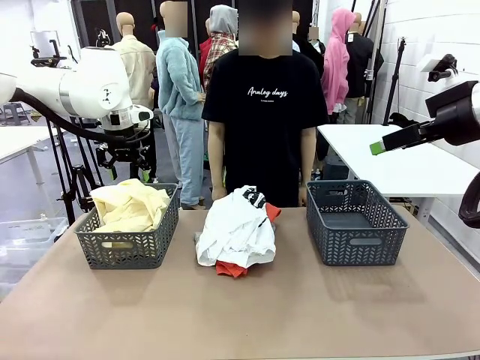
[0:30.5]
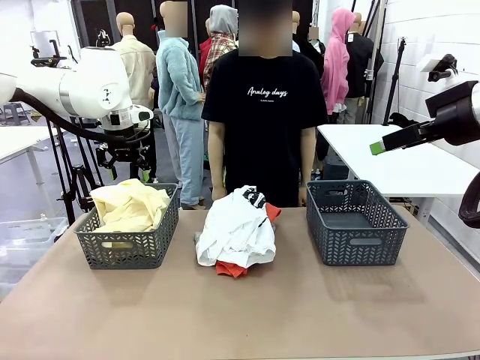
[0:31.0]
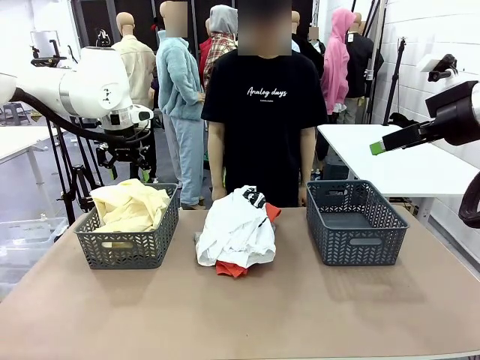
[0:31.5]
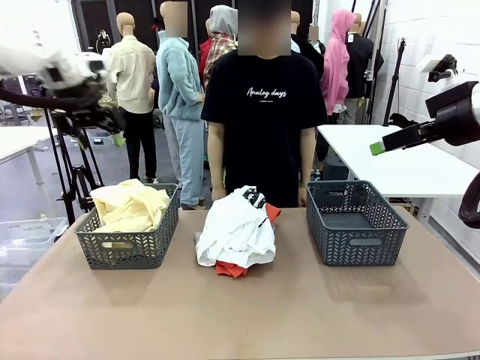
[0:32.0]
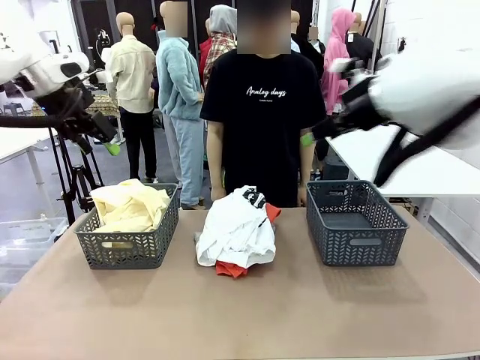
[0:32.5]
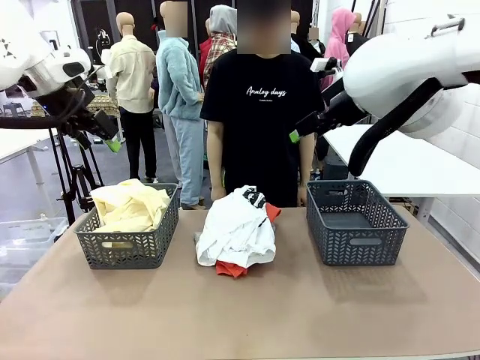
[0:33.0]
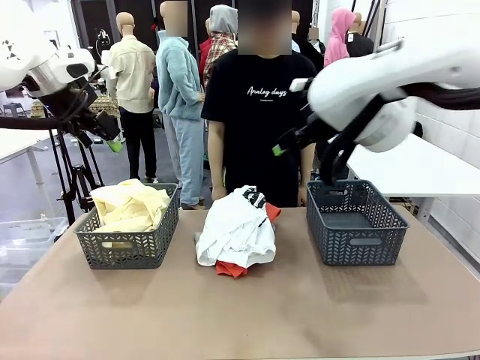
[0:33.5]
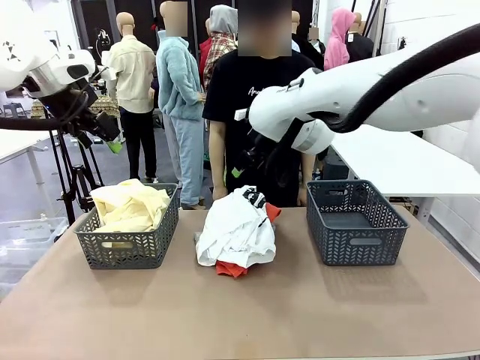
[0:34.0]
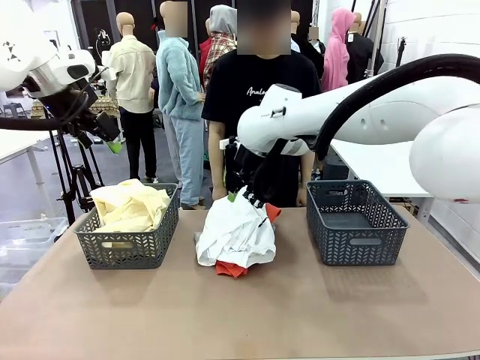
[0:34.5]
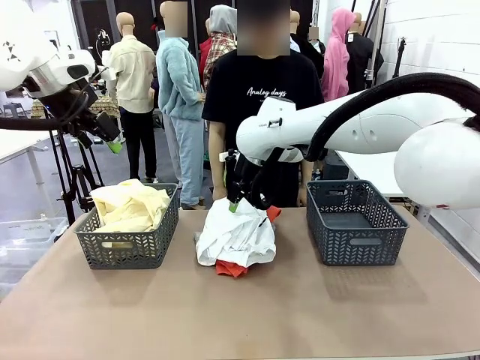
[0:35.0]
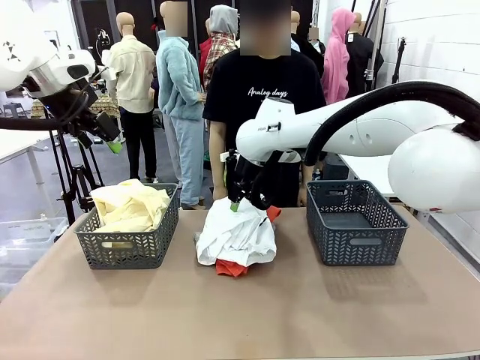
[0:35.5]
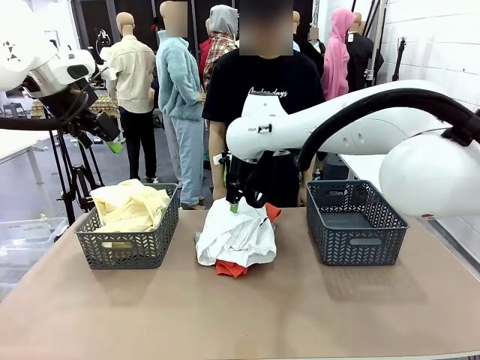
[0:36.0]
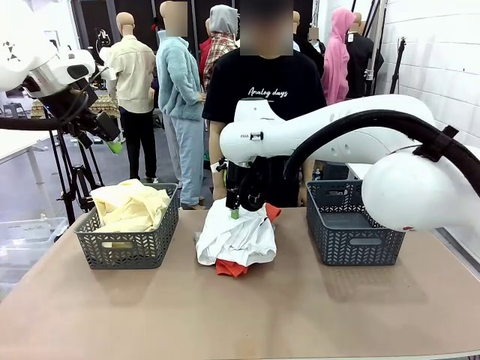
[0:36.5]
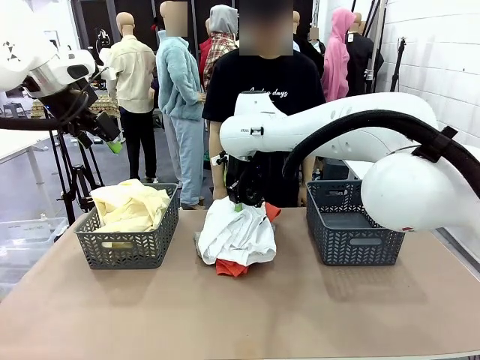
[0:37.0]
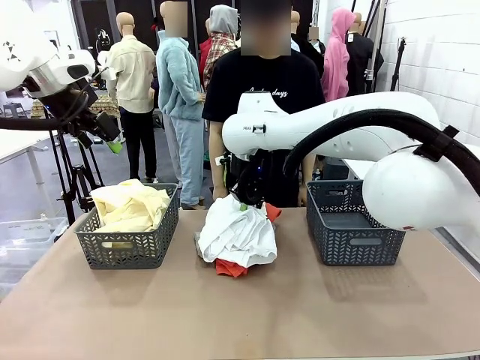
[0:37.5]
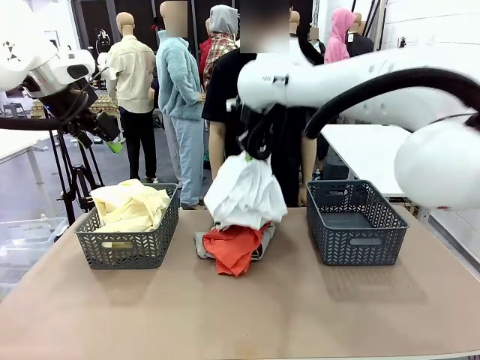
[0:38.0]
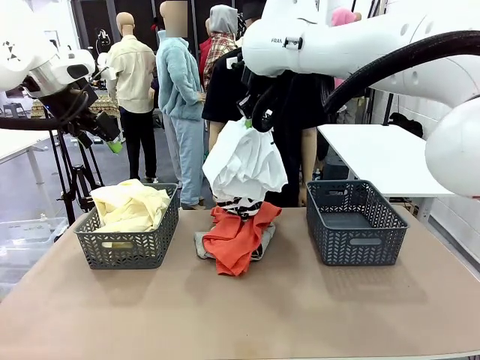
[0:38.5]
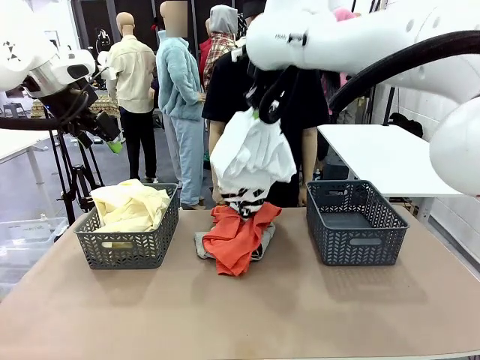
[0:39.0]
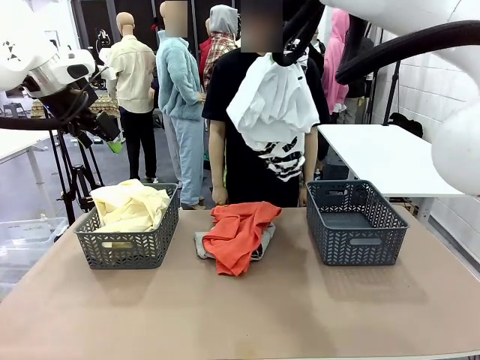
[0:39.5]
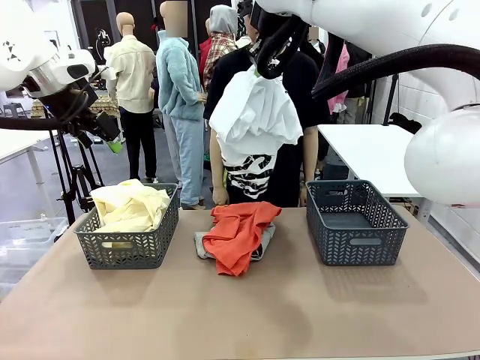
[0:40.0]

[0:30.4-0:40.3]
Task: Sort the tops and bottoms.
Robot: Lift clothes from the center of the table with your right hand.

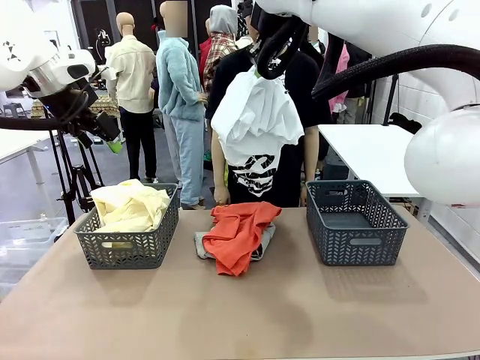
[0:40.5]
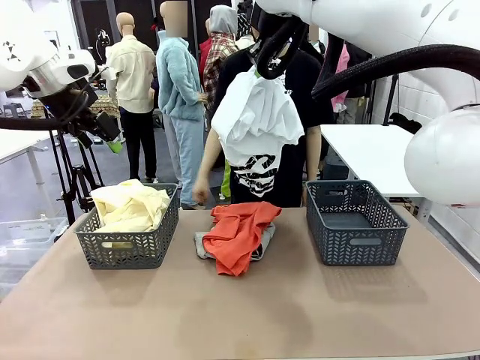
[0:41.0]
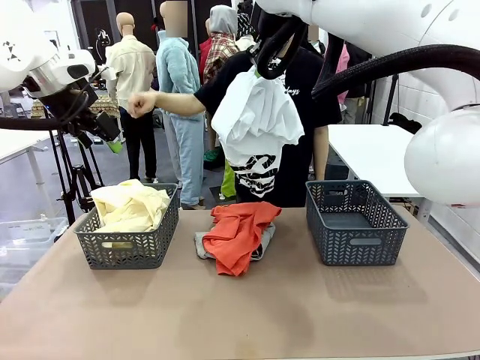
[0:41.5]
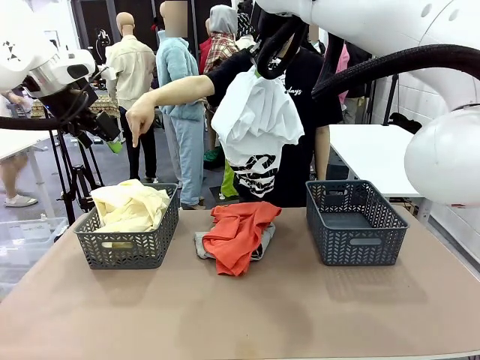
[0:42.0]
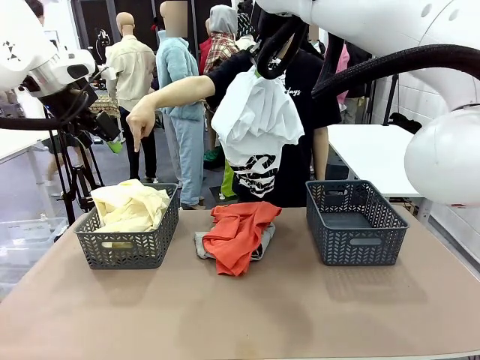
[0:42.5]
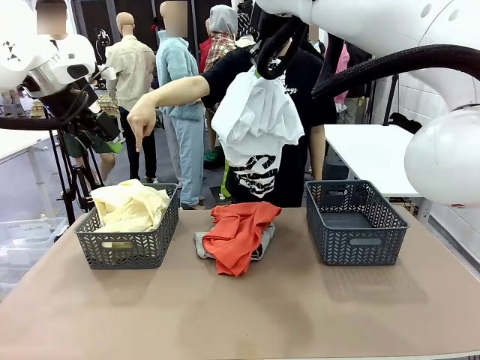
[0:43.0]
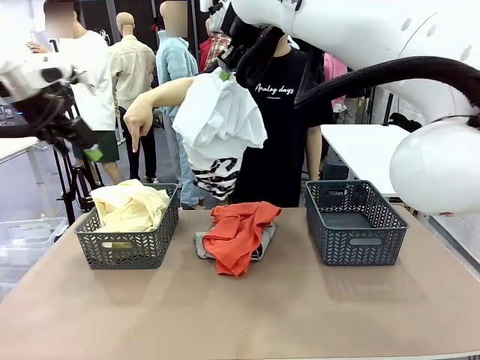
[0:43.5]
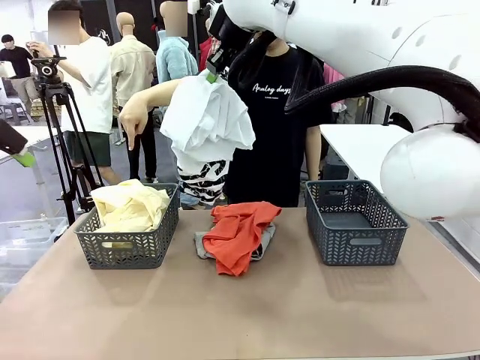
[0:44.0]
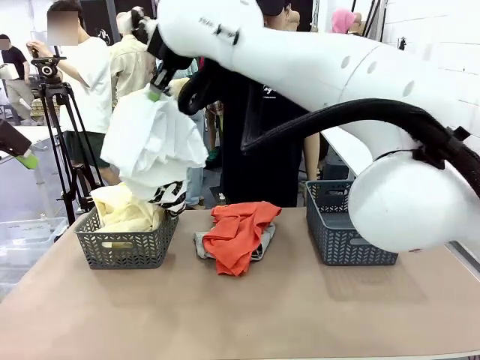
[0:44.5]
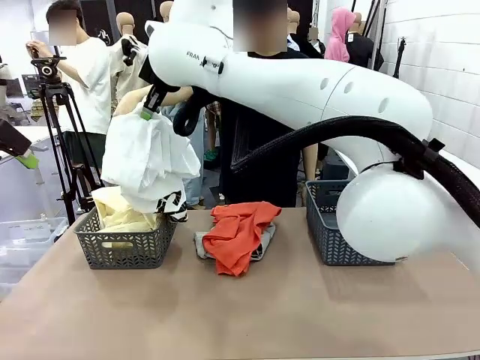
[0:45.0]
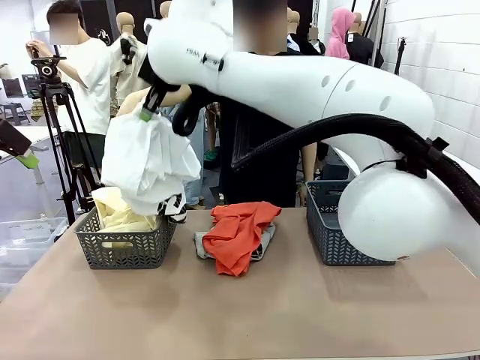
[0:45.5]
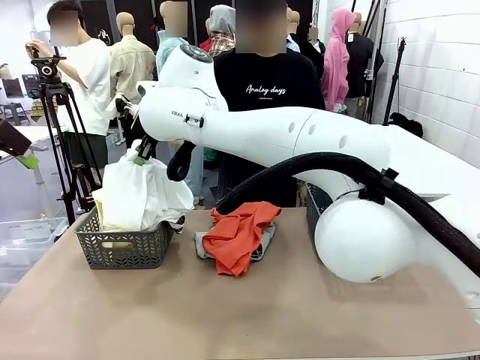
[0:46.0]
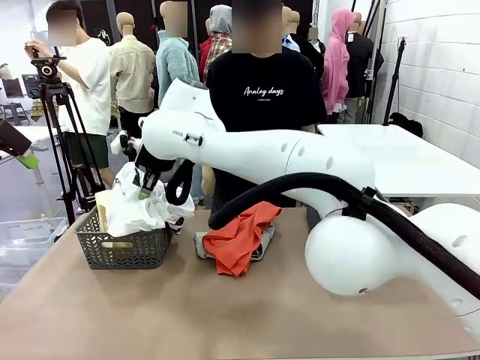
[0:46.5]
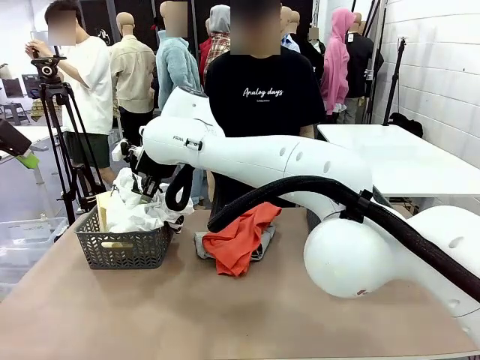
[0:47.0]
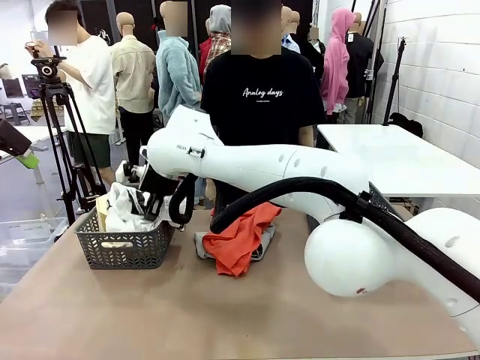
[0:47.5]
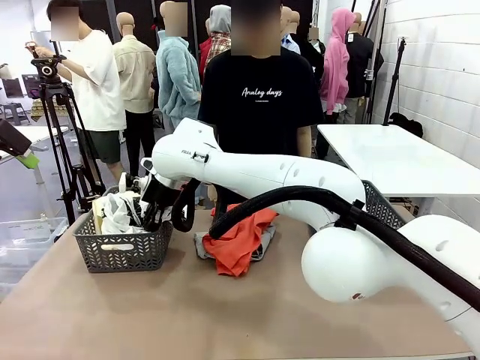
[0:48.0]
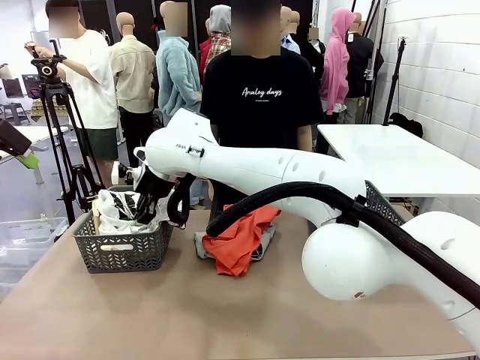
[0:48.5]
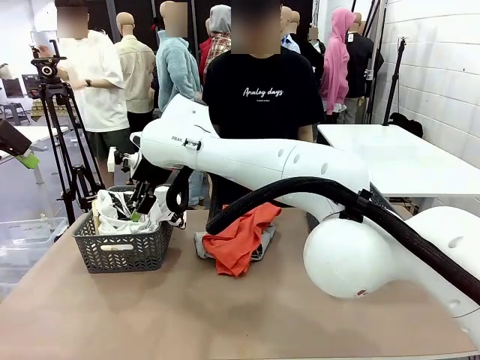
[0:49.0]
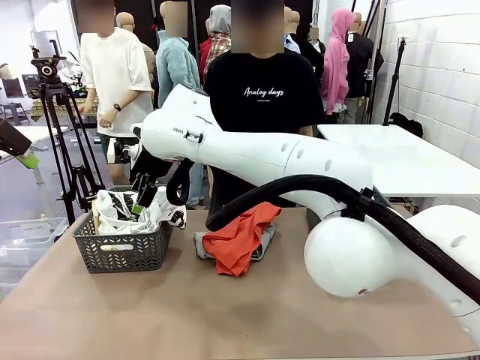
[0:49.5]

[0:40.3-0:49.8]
Robot: Sort the clothes according to human instructions.
